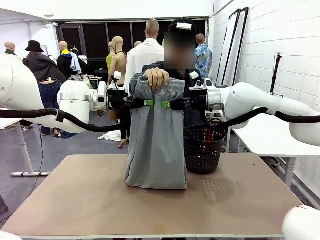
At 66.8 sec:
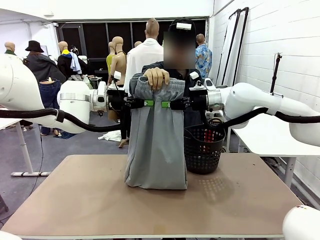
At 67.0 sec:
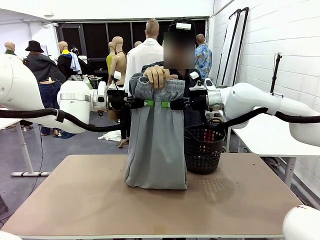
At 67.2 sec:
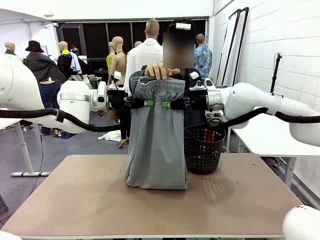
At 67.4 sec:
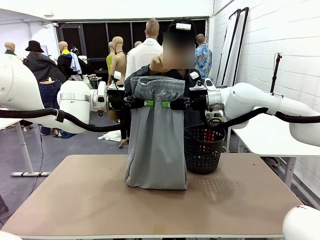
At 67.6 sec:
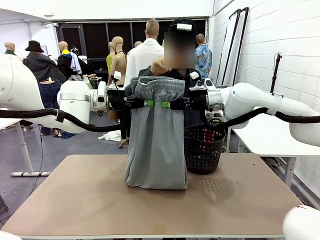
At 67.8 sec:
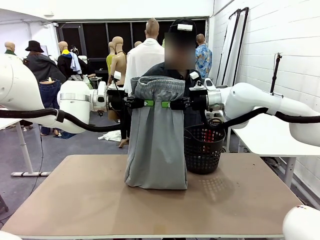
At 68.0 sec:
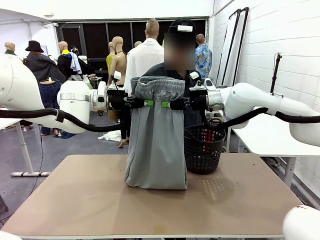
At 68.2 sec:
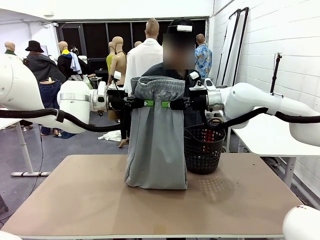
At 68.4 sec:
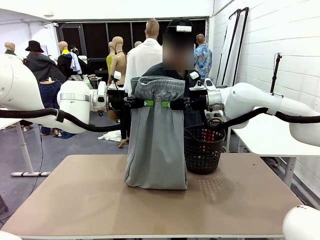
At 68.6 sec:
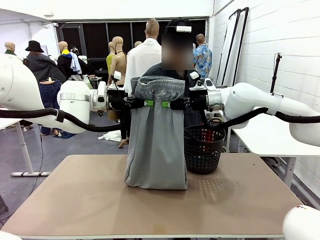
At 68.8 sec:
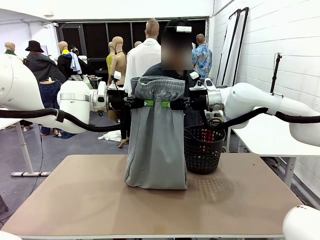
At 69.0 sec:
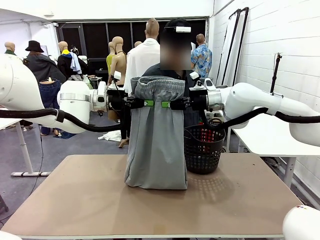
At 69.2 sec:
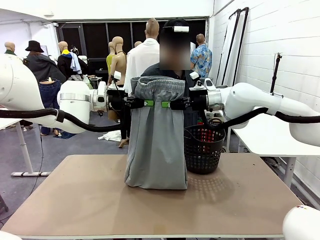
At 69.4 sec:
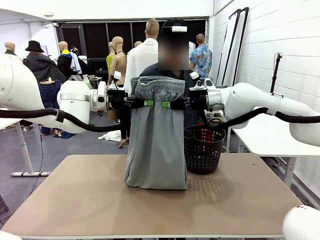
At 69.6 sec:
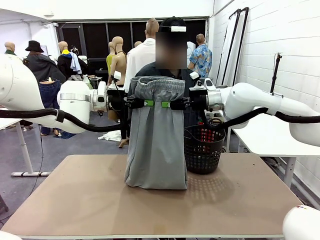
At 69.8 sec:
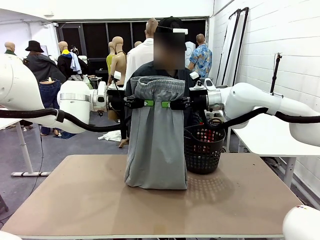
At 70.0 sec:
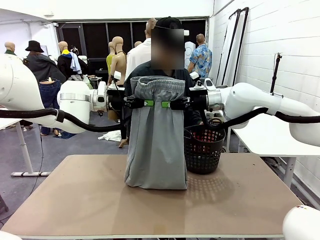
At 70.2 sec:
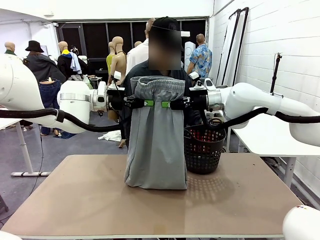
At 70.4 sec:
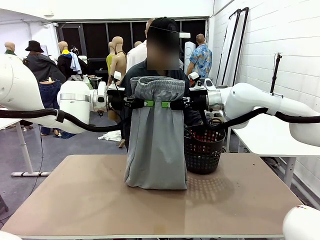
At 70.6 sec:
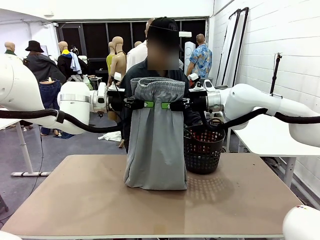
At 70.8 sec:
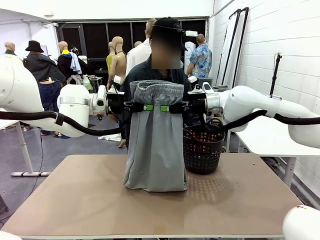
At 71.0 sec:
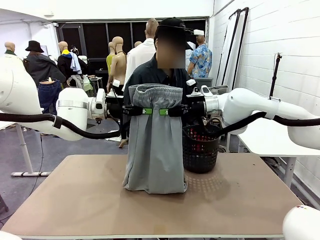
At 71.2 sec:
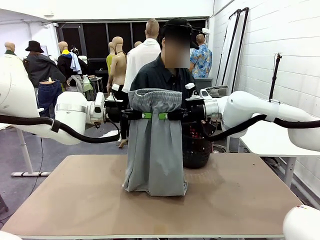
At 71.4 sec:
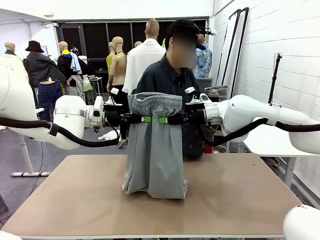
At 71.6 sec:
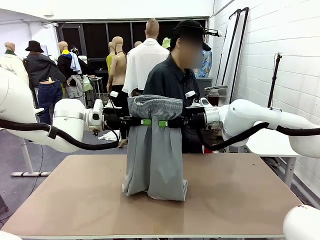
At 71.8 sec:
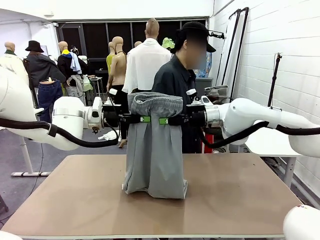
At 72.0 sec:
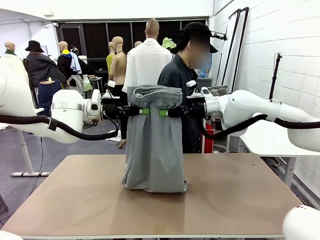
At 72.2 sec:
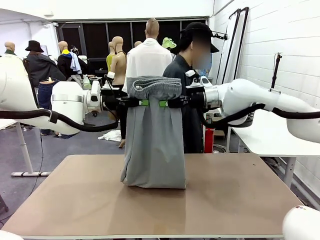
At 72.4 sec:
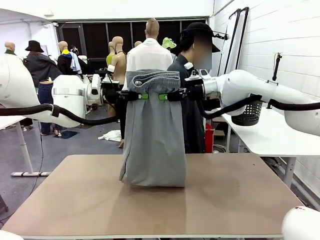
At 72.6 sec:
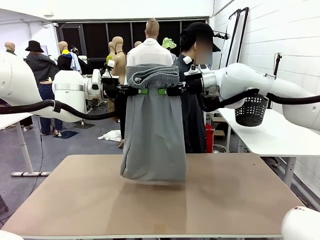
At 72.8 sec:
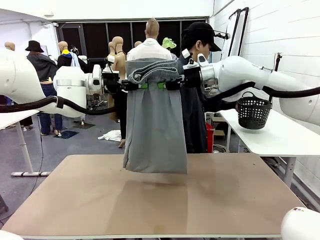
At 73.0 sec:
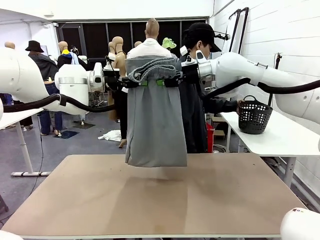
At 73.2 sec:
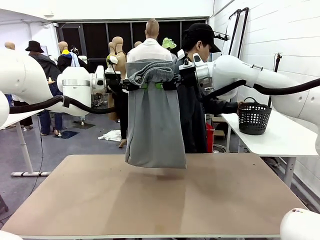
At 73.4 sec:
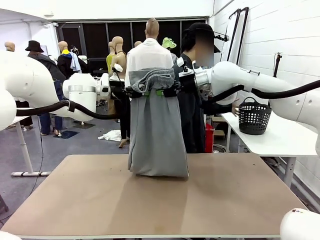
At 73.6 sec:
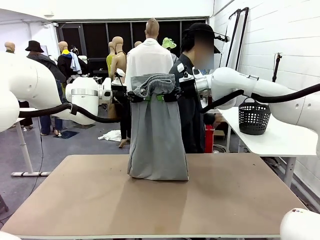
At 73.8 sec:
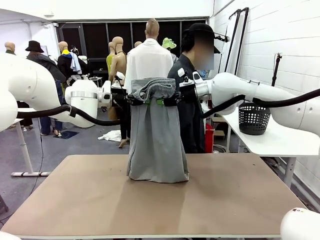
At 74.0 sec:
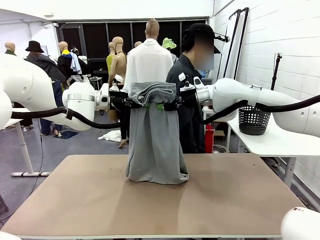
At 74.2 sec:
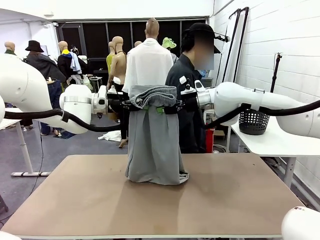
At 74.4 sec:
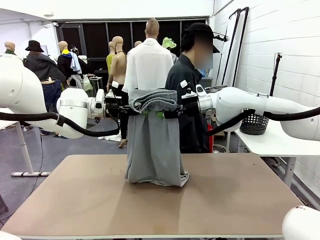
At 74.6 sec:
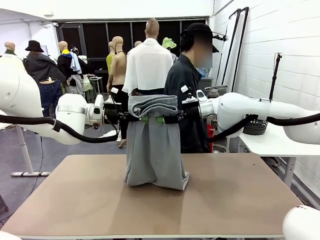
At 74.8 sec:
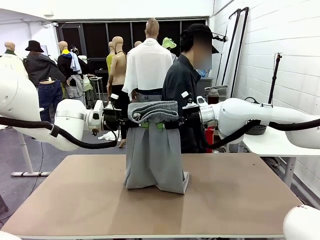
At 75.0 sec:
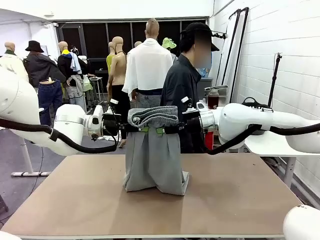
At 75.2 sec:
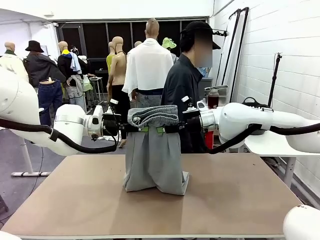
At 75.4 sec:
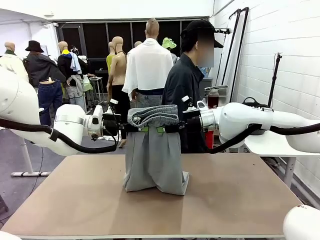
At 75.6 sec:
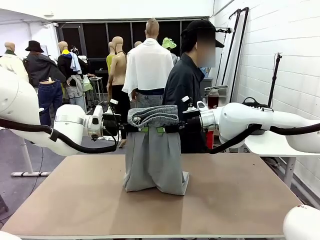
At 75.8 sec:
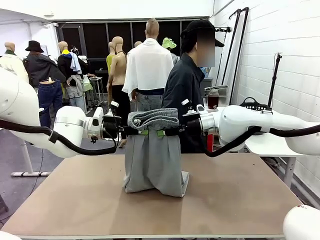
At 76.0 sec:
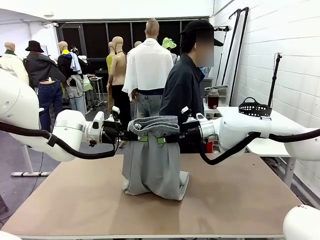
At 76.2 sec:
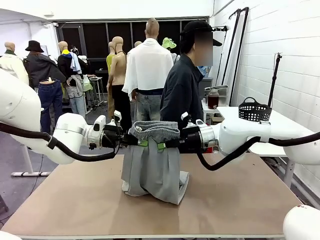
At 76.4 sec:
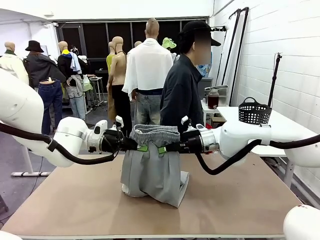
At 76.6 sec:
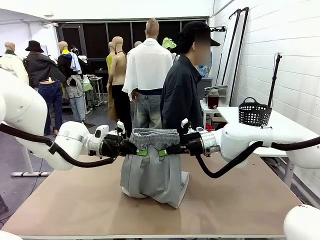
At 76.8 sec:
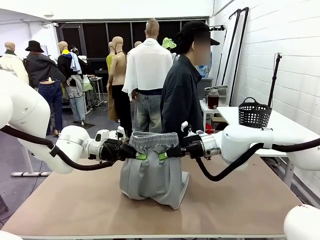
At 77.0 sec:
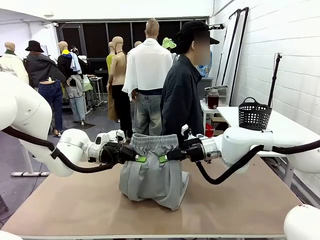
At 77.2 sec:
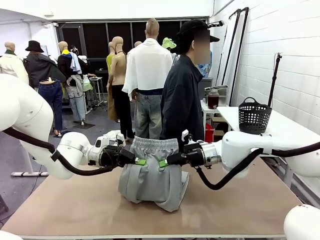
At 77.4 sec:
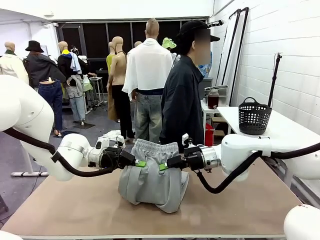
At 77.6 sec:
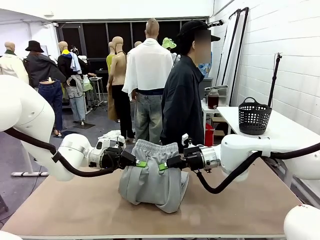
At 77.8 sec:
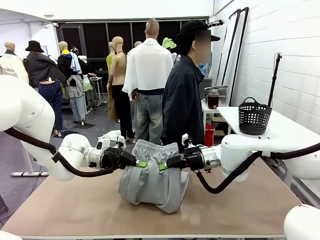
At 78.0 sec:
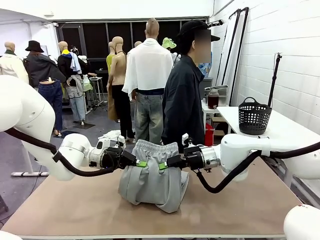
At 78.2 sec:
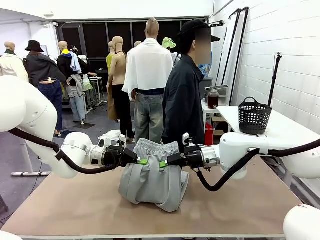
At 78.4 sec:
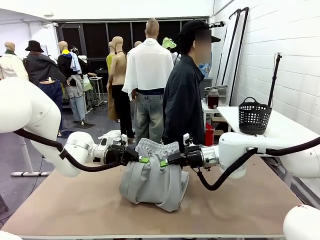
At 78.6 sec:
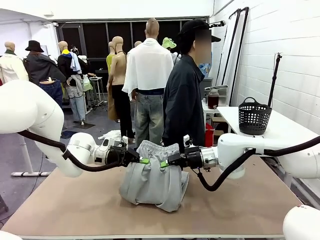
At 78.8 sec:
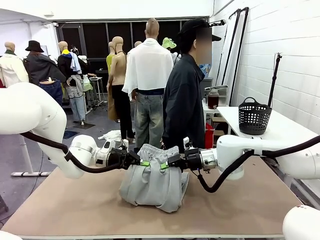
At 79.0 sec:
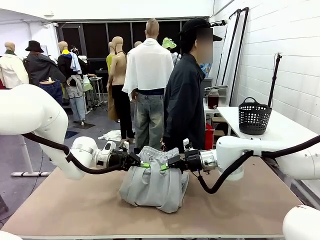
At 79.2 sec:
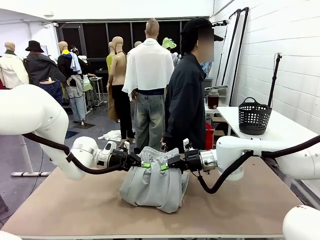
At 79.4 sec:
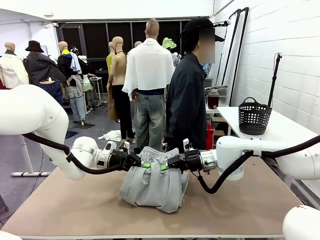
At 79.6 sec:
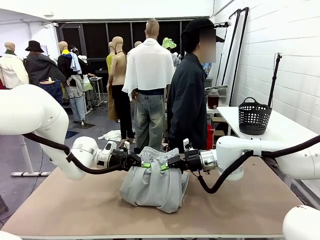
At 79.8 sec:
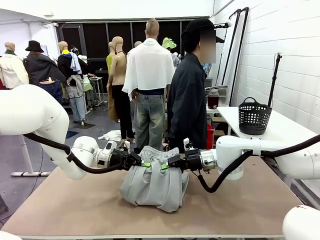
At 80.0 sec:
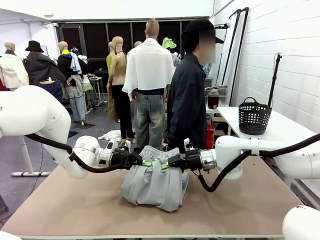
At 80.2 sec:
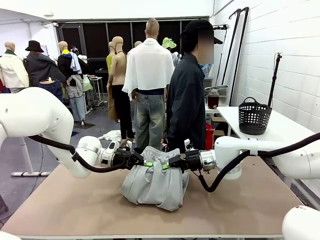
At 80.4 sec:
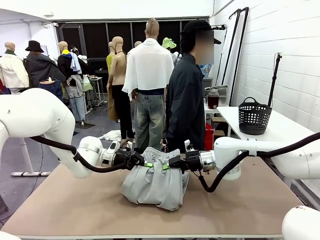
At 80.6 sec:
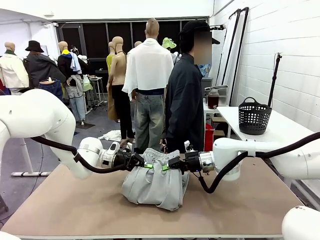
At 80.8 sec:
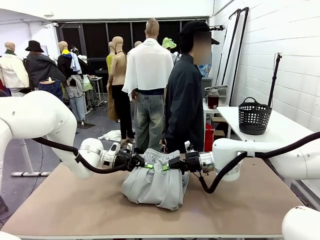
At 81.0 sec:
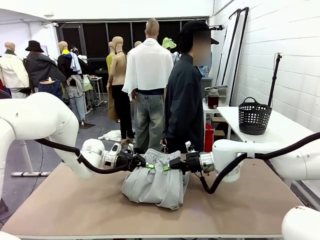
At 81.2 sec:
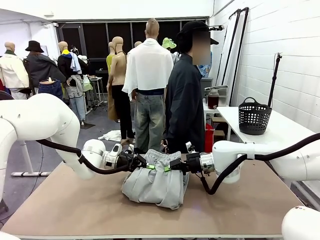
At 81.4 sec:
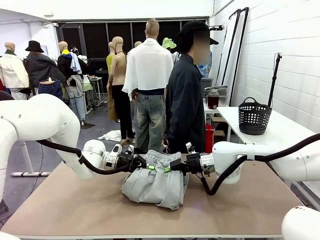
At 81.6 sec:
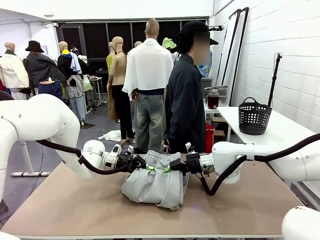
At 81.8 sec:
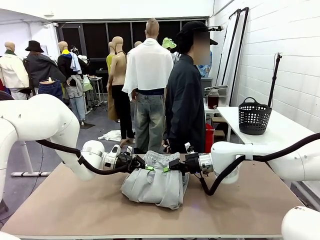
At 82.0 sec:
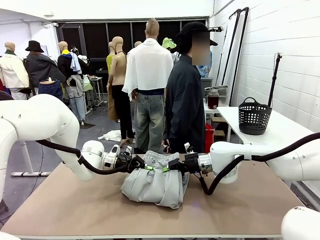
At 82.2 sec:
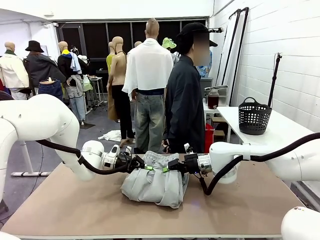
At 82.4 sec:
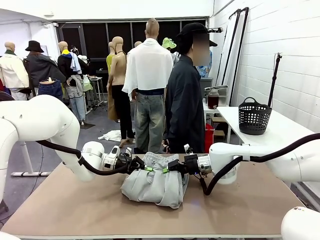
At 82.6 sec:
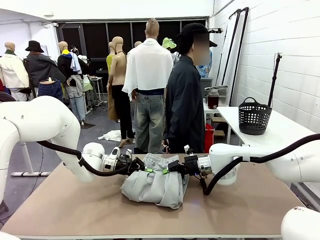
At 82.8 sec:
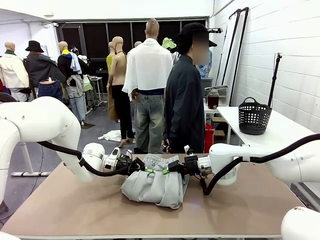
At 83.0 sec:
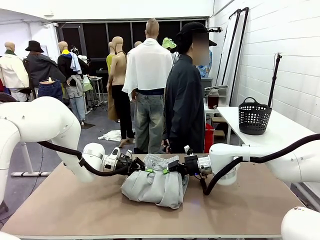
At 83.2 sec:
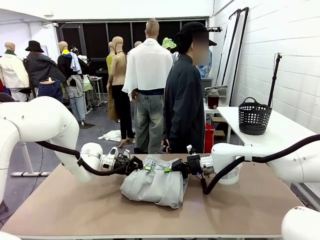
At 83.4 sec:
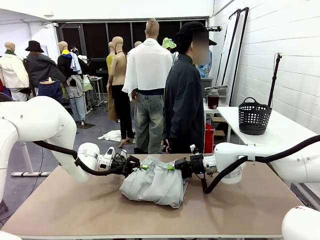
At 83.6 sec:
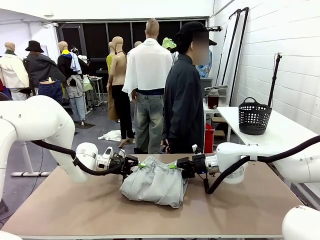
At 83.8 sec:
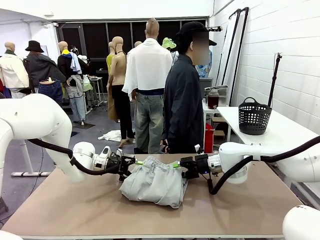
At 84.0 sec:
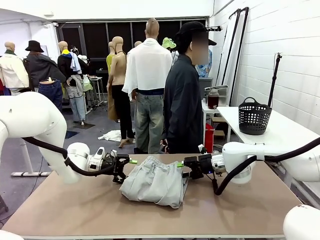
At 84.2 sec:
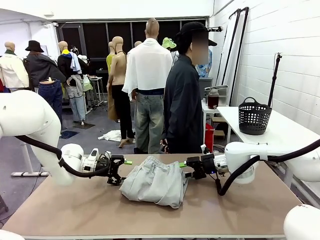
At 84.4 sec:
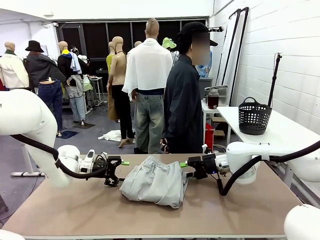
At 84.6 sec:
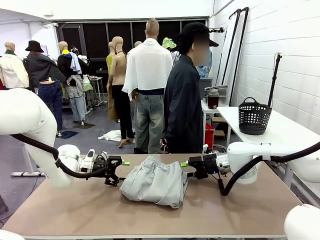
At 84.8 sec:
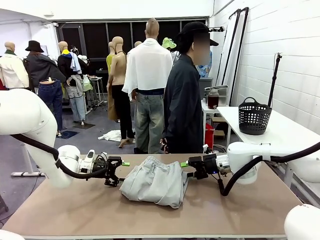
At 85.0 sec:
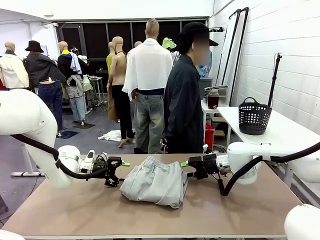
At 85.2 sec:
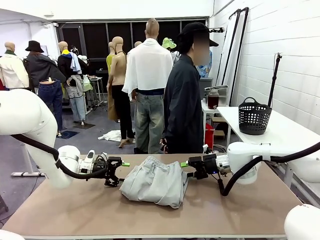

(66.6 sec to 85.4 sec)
Task: Fold the training pants.
Robot: Fold the Training pants in half.
Person: Move the laundry basket to the right of the human table.
